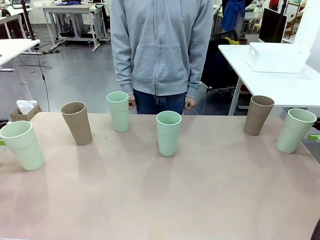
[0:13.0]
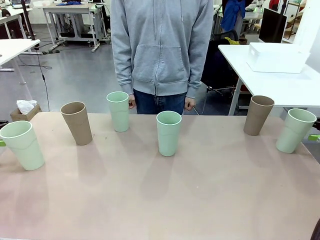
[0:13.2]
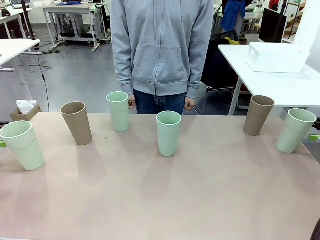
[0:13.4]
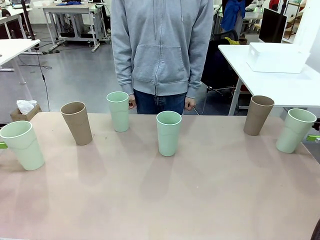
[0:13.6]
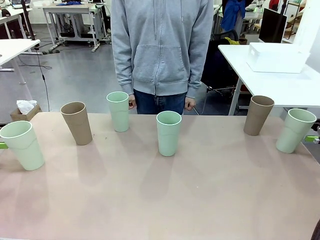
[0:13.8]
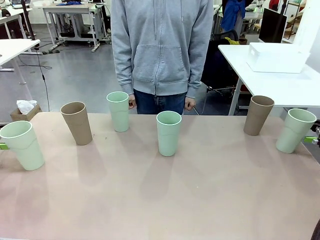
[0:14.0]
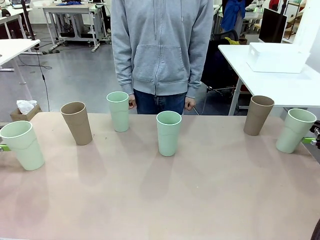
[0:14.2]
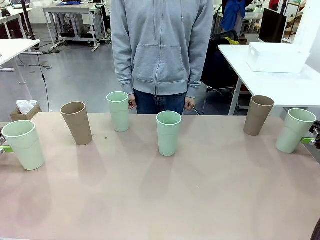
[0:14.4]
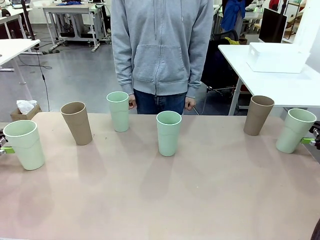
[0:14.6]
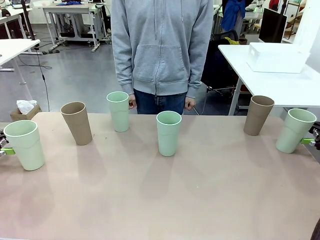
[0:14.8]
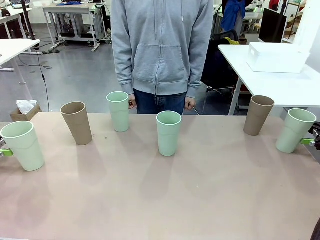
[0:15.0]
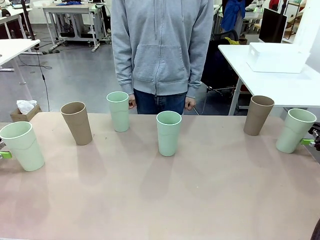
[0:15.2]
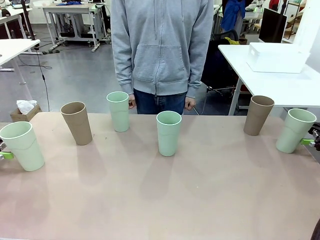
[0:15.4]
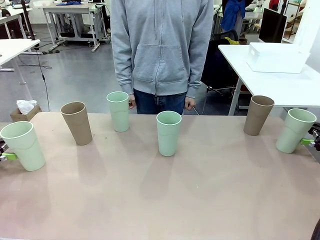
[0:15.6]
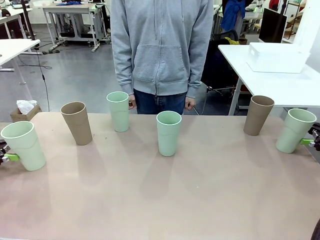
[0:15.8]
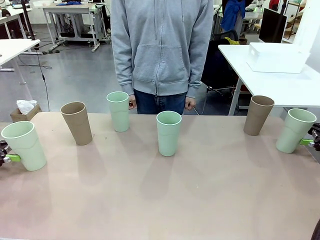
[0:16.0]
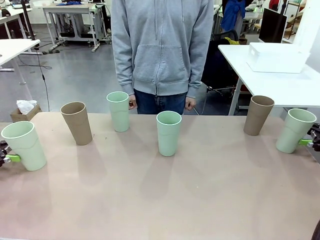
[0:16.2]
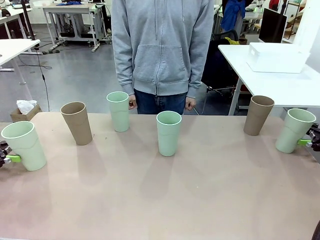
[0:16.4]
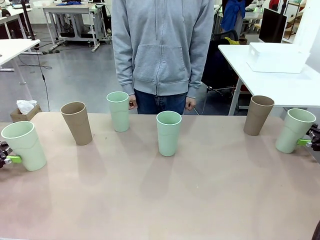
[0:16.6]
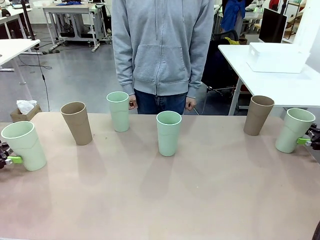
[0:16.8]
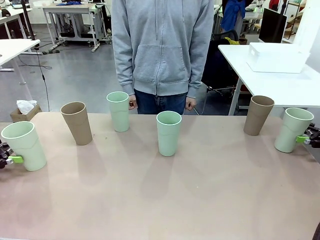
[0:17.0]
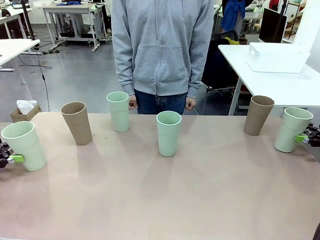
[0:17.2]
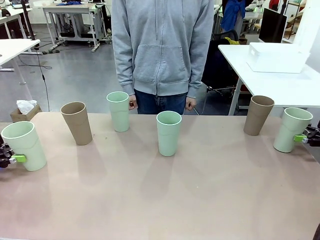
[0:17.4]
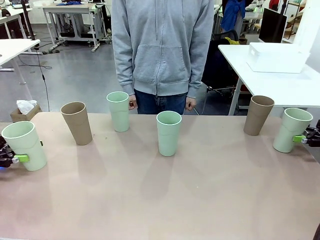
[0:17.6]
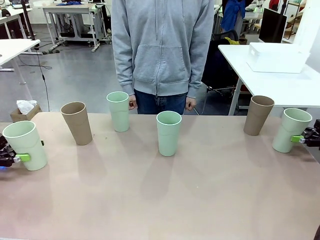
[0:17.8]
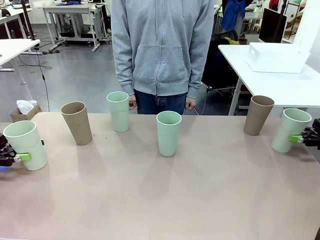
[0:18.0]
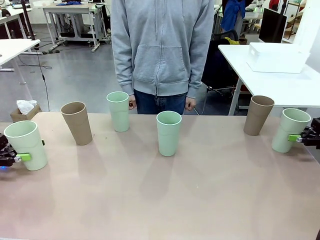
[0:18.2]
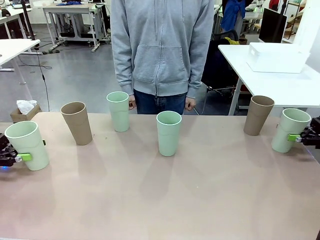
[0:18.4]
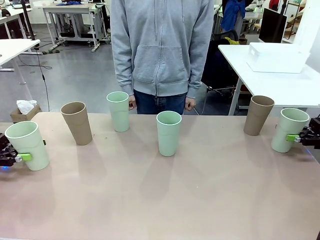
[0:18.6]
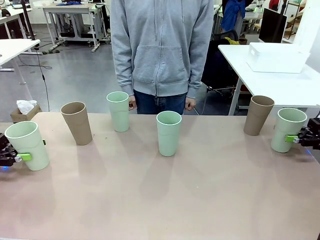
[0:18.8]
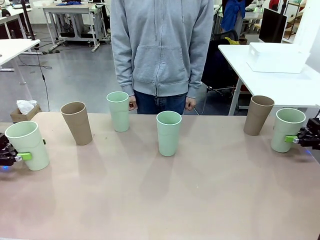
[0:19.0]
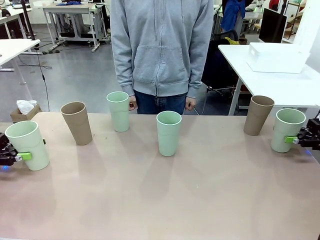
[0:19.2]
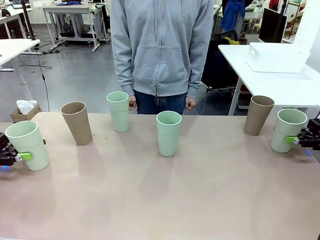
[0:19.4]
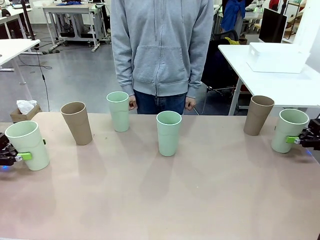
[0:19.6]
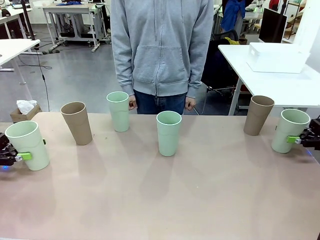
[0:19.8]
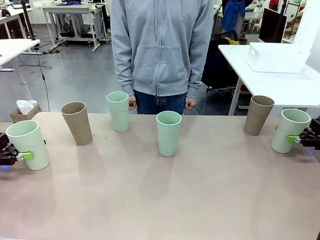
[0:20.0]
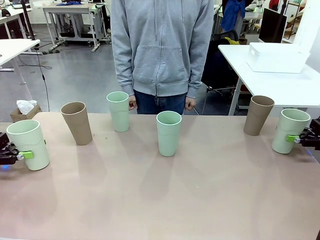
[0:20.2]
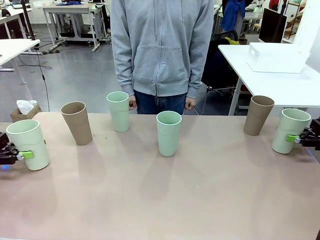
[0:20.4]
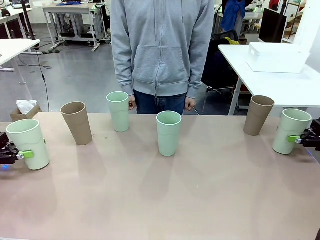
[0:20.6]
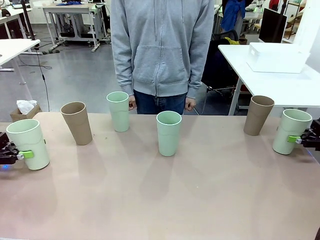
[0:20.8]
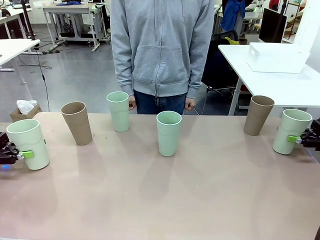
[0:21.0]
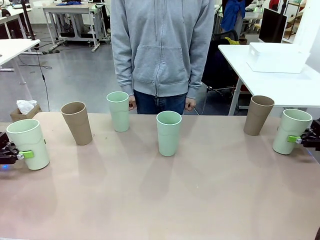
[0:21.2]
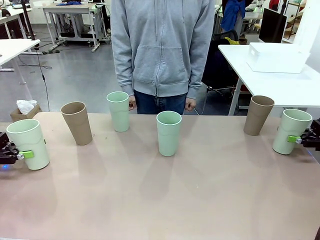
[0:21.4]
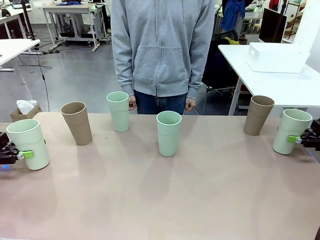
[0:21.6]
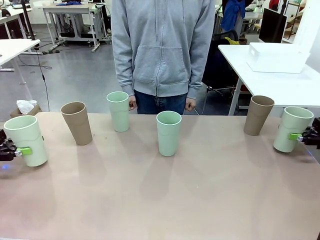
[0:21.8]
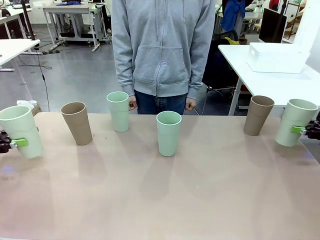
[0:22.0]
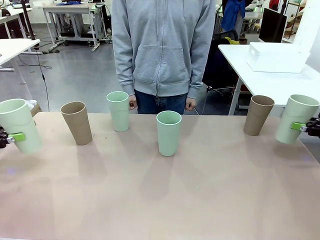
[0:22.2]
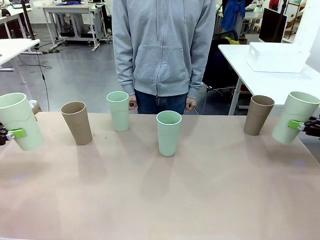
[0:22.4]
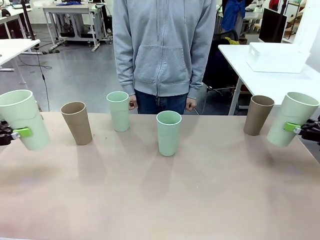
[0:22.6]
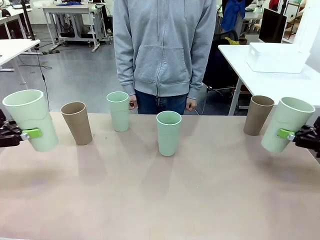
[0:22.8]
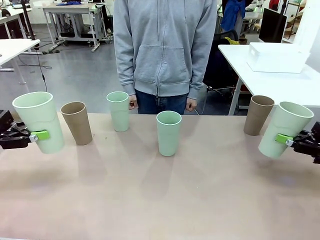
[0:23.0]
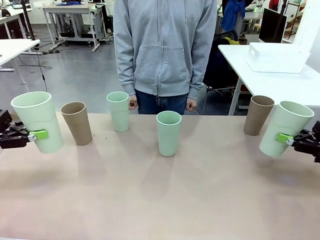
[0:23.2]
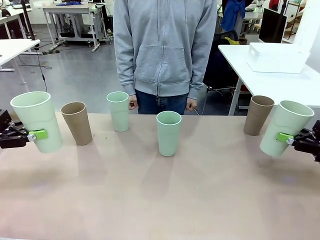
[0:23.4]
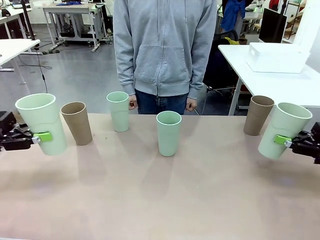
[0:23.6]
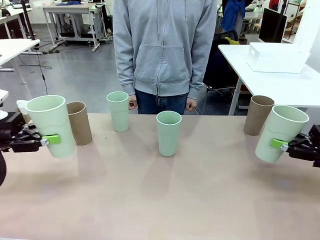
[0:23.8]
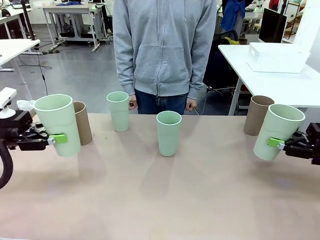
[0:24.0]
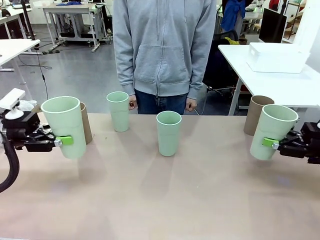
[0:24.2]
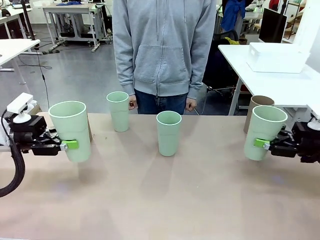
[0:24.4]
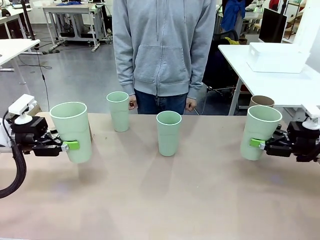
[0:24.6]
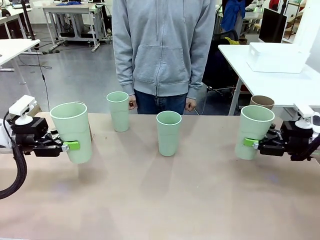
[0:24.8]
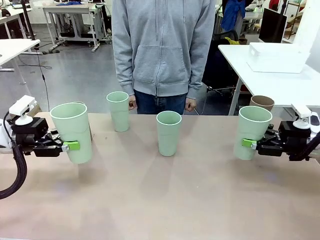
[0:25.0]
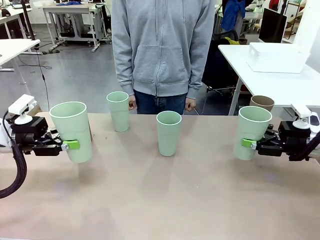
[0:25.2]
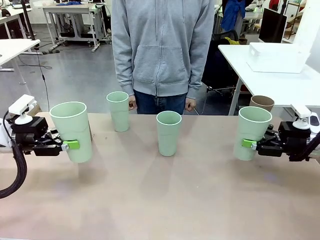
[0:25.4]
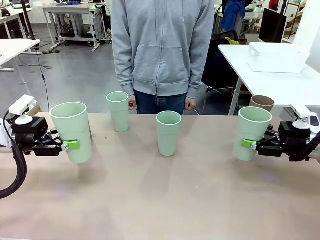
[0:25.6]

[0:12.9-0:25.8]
Task: Stack the cups and store them in the basket.
Robot: Pick up two Reusable plastic cups , one in each hand.
